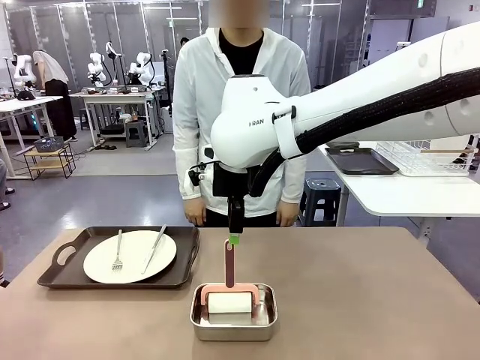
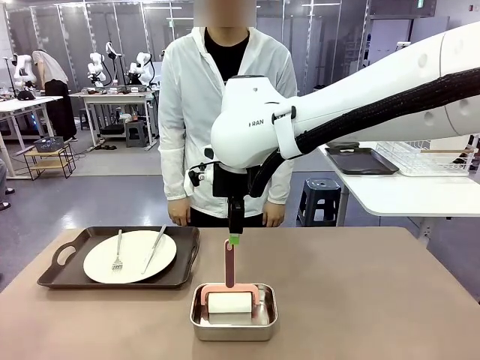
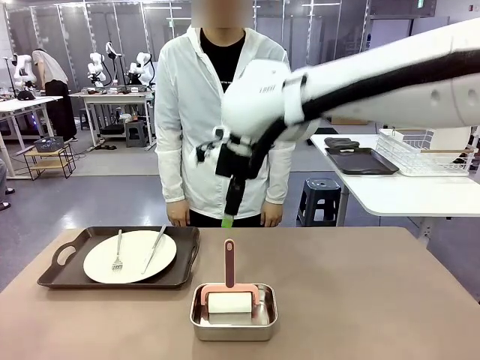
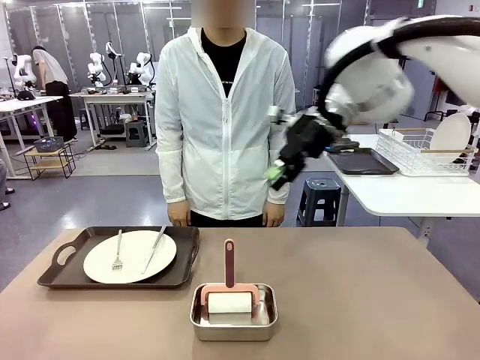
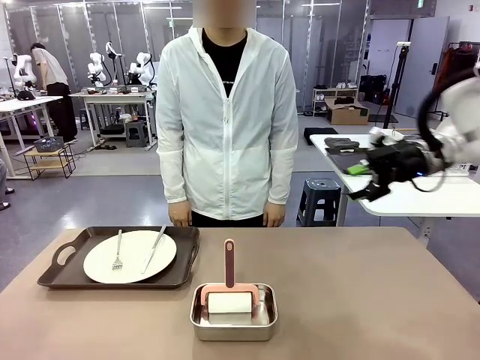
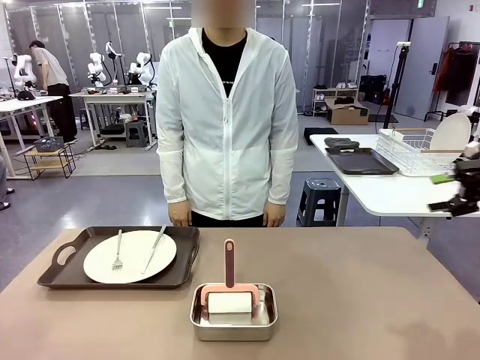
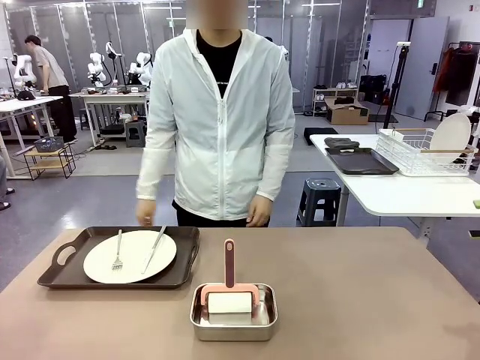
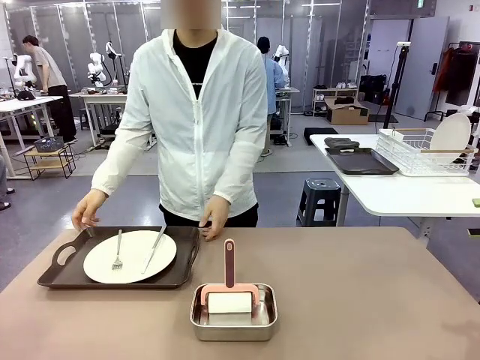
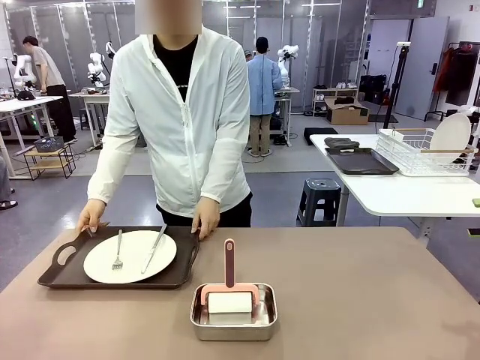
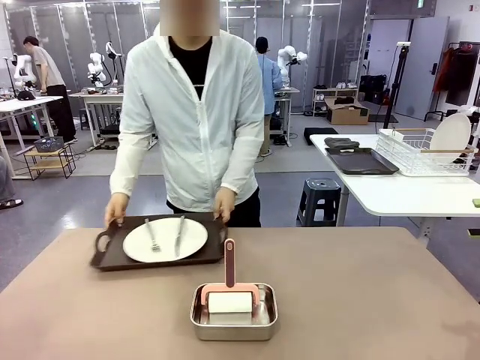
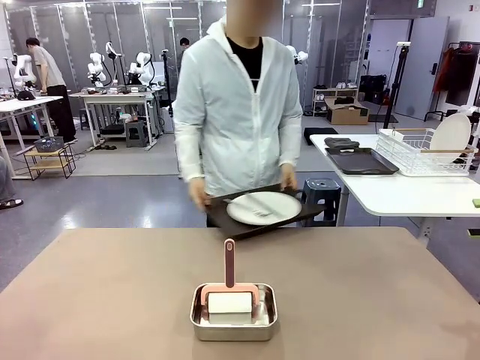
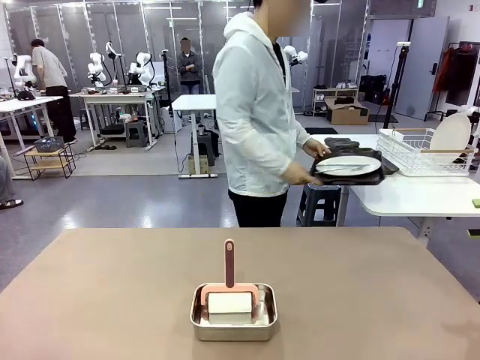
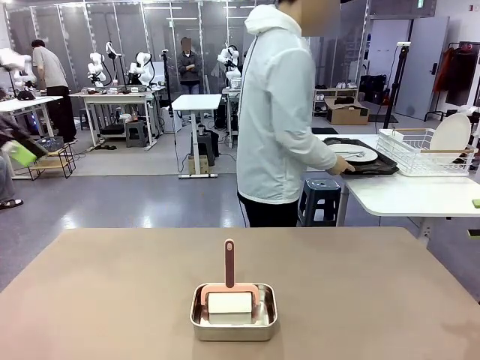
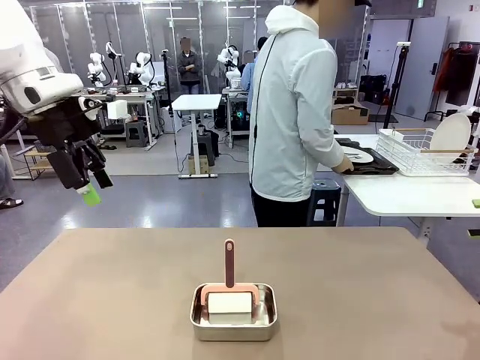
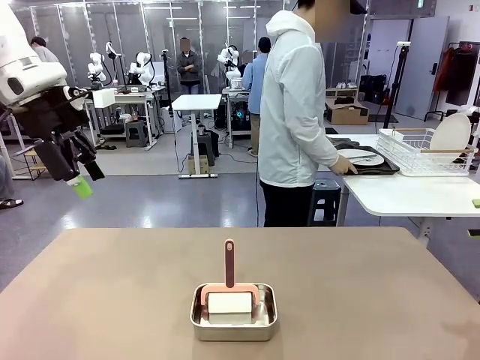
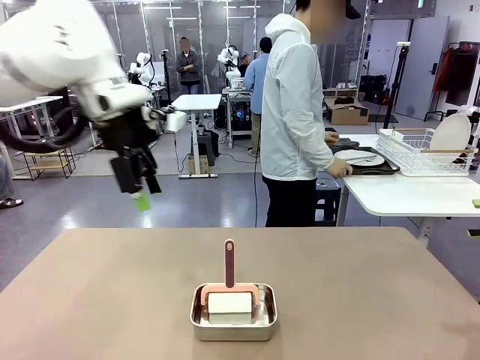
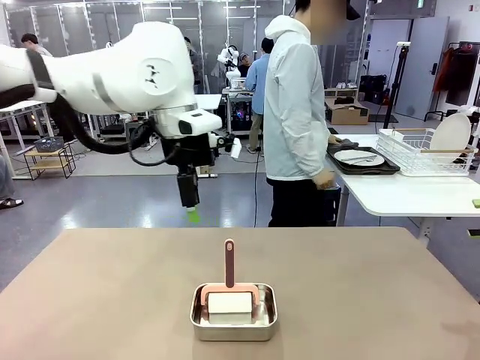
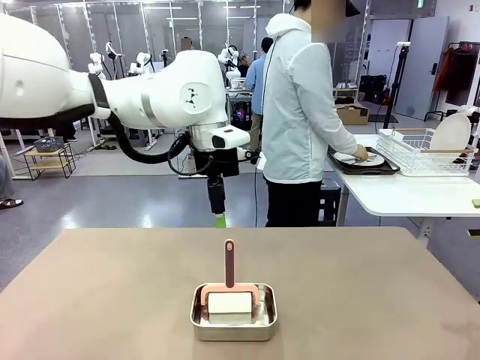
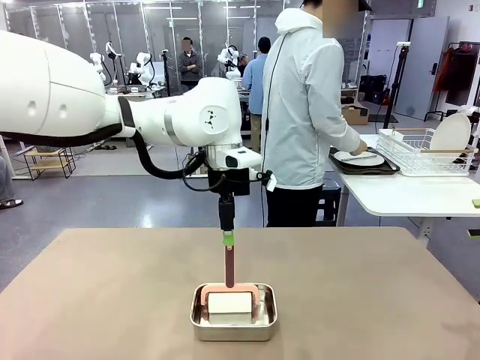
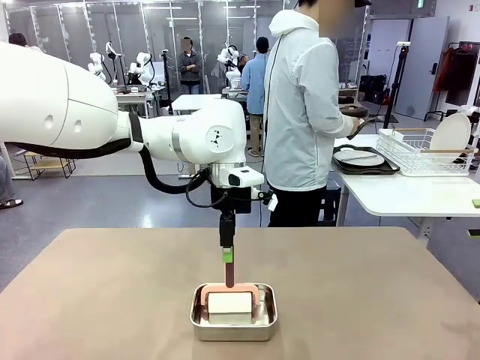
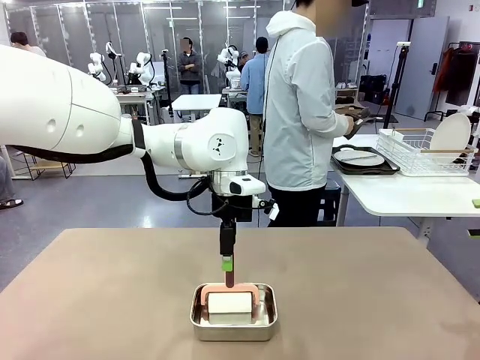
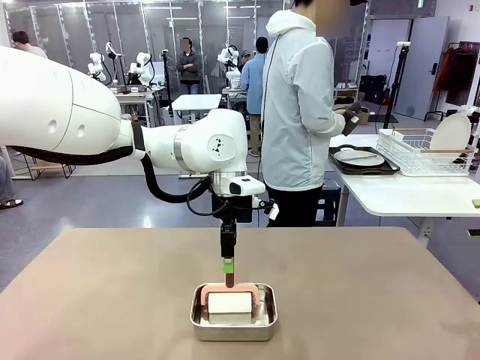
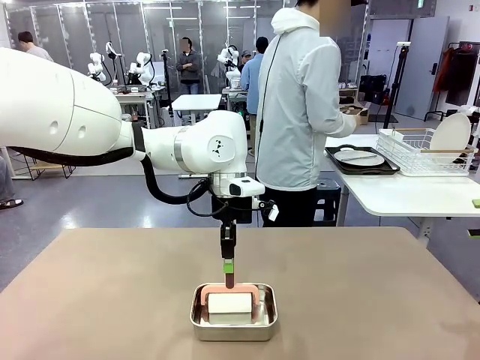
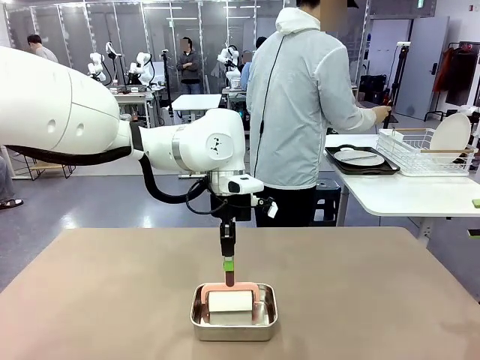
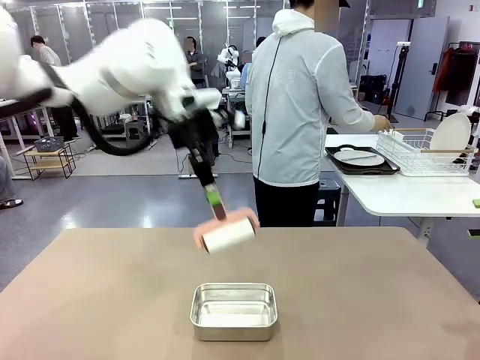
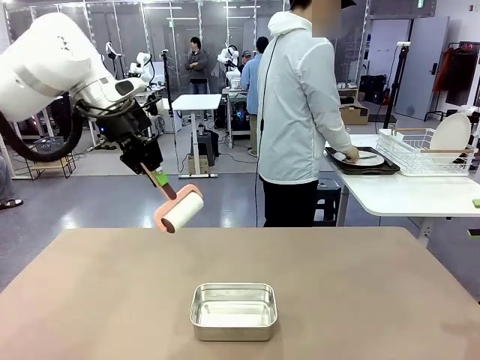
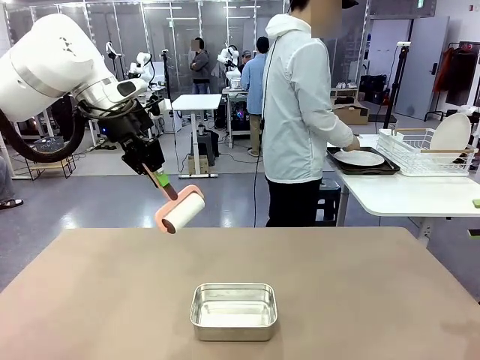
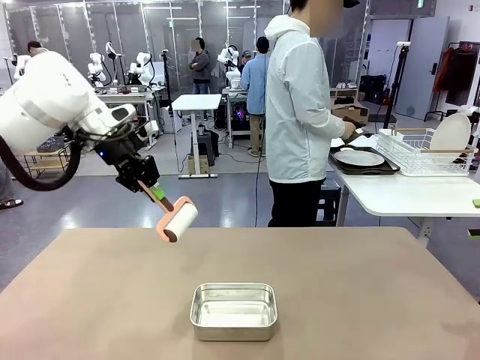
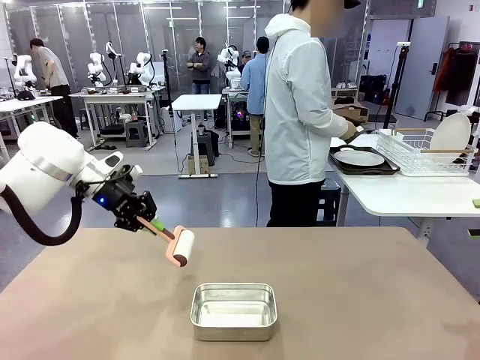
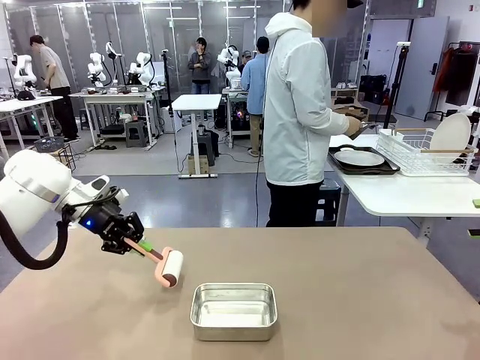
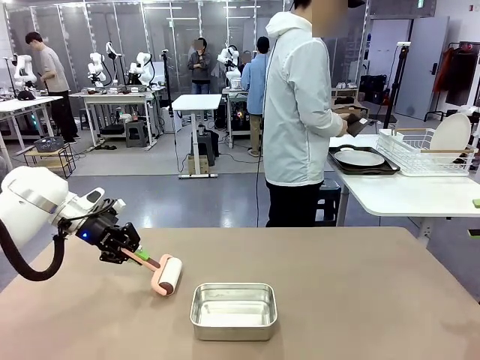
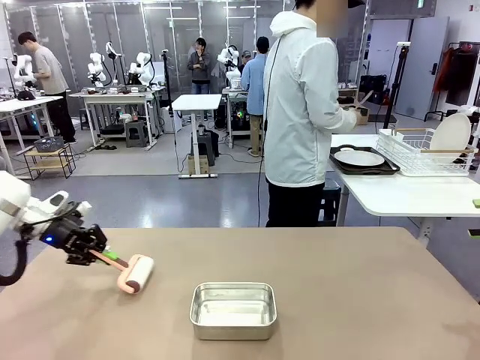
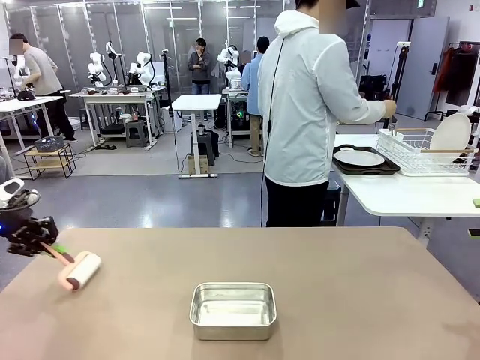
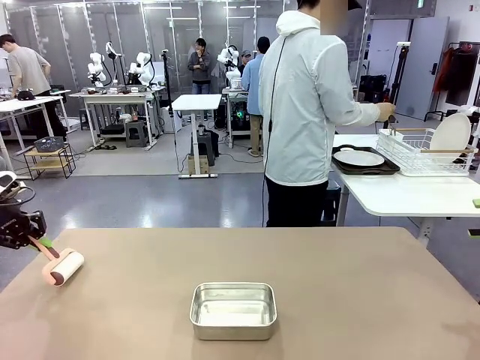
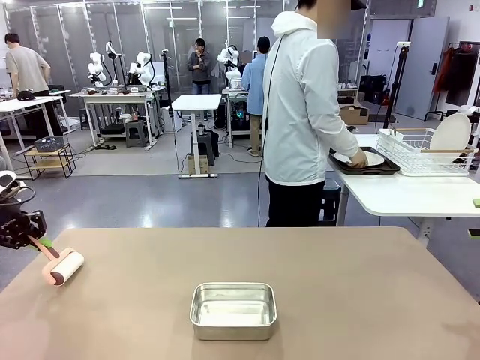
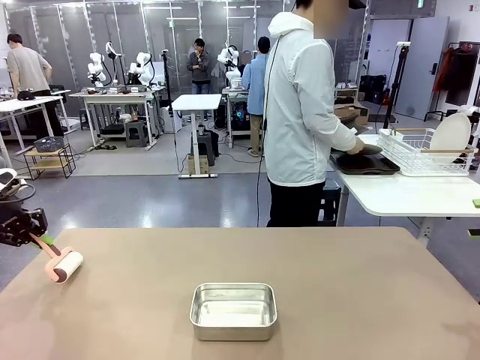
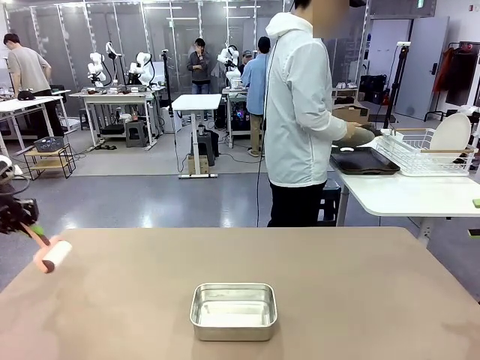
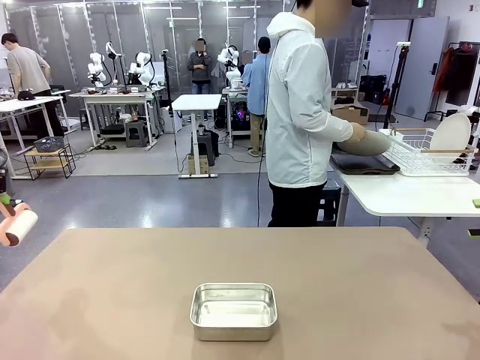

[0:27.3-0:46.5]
Robot: When the right (or left) Handle tray is removed, use the right hand (or left hand) to clean the right (or left) side of the table with the Lint Roller.
Person: Pick up the left (or right) Handle tray and place it on the Handle tray.
